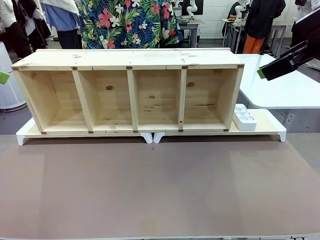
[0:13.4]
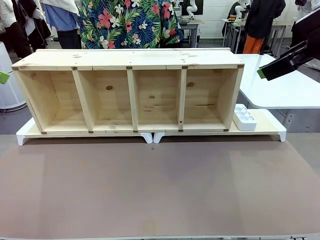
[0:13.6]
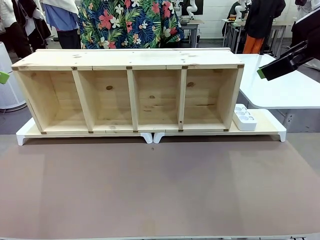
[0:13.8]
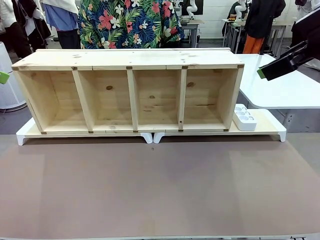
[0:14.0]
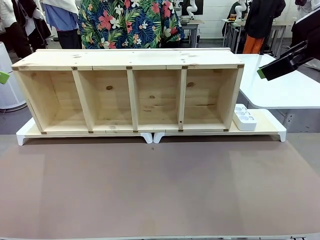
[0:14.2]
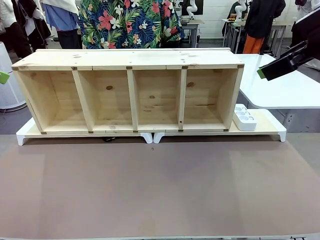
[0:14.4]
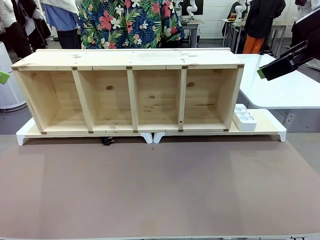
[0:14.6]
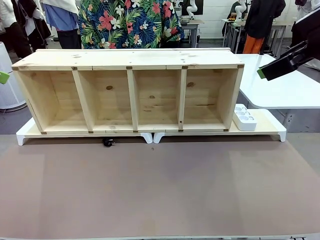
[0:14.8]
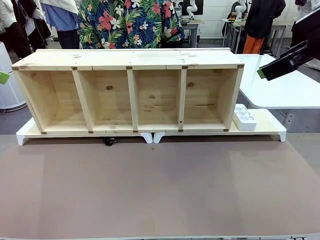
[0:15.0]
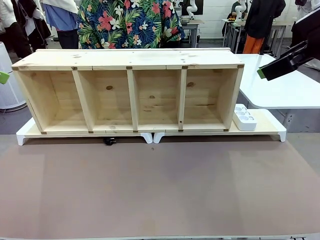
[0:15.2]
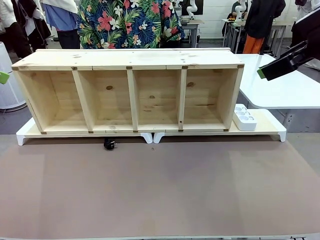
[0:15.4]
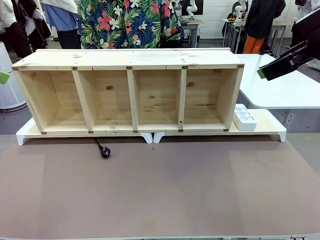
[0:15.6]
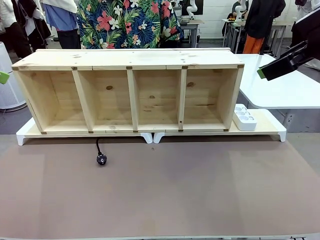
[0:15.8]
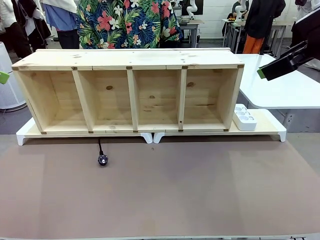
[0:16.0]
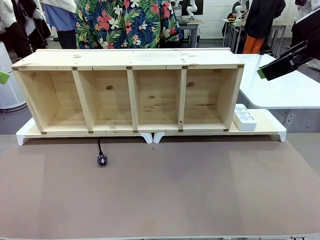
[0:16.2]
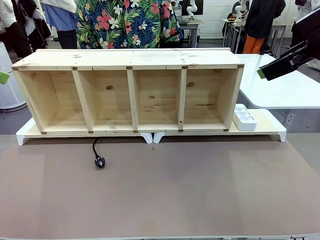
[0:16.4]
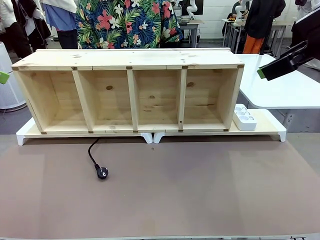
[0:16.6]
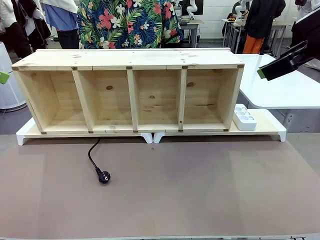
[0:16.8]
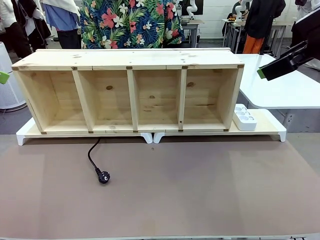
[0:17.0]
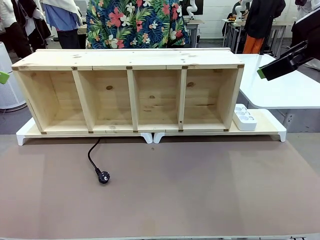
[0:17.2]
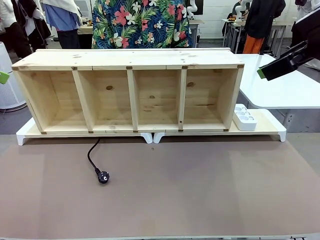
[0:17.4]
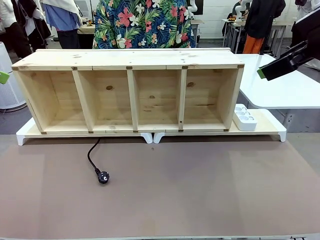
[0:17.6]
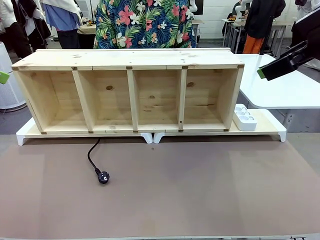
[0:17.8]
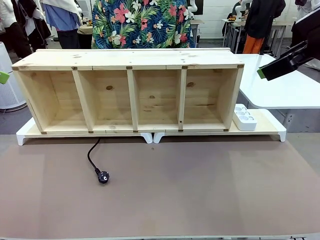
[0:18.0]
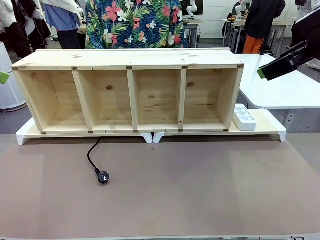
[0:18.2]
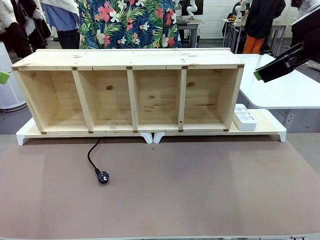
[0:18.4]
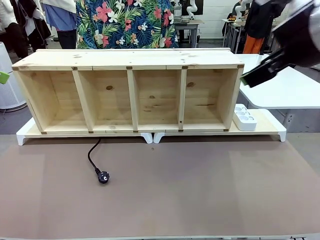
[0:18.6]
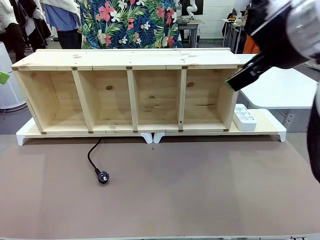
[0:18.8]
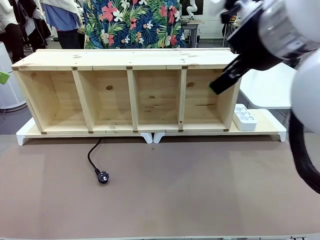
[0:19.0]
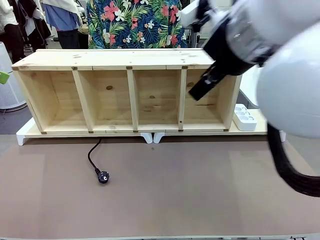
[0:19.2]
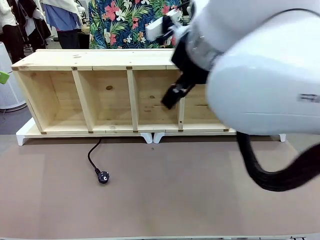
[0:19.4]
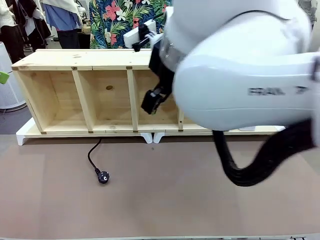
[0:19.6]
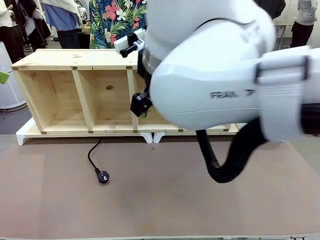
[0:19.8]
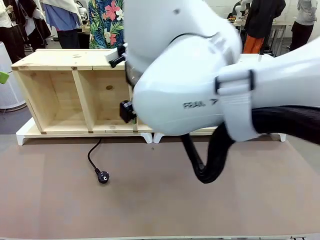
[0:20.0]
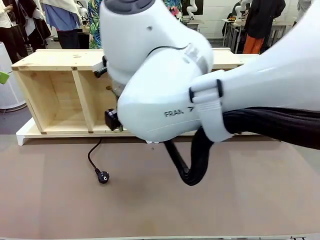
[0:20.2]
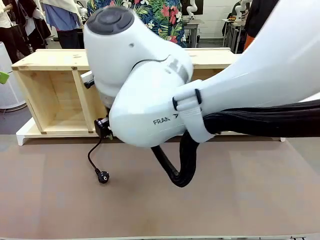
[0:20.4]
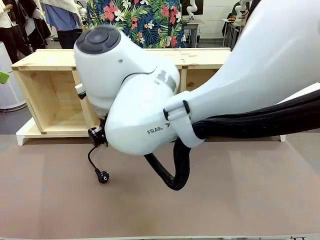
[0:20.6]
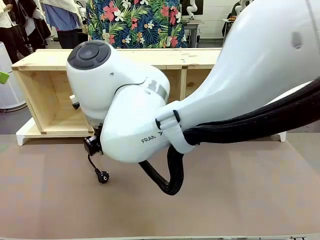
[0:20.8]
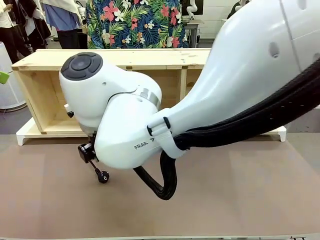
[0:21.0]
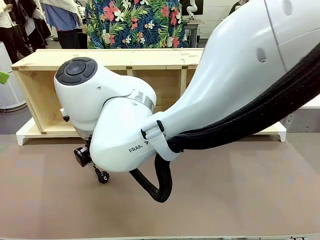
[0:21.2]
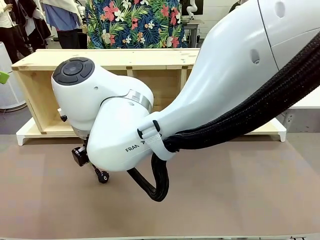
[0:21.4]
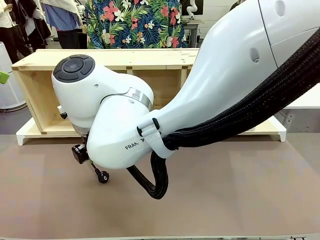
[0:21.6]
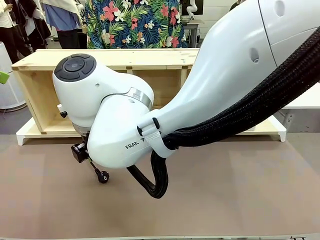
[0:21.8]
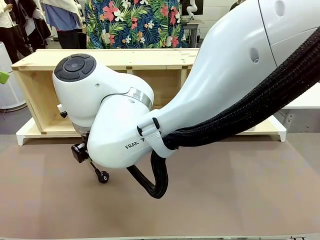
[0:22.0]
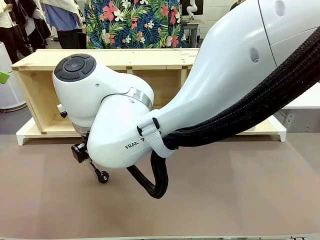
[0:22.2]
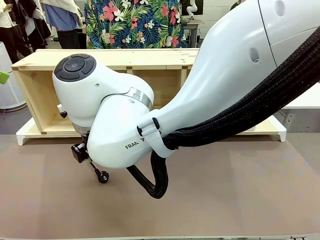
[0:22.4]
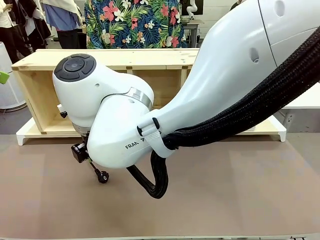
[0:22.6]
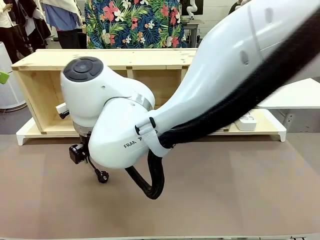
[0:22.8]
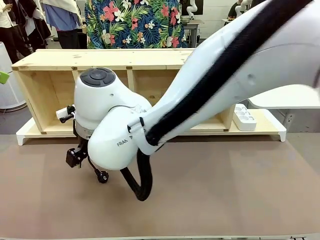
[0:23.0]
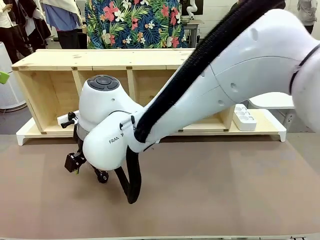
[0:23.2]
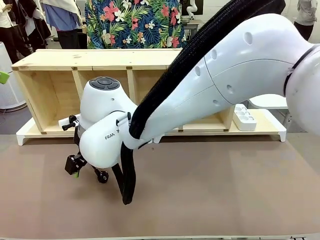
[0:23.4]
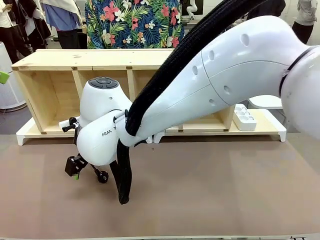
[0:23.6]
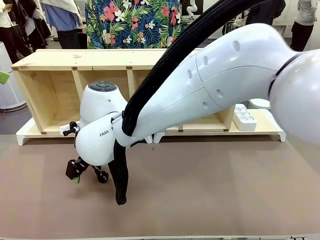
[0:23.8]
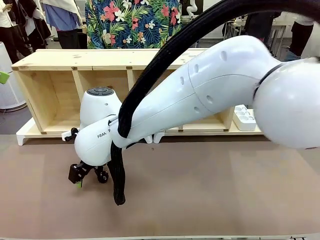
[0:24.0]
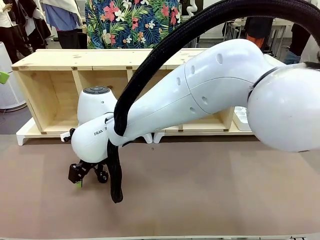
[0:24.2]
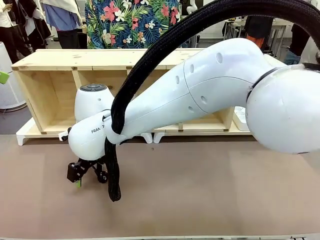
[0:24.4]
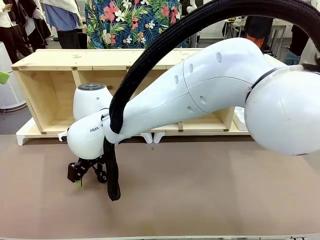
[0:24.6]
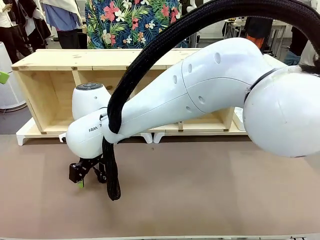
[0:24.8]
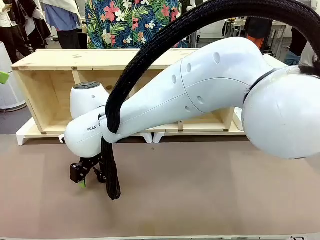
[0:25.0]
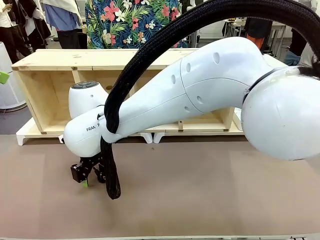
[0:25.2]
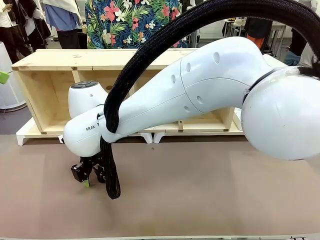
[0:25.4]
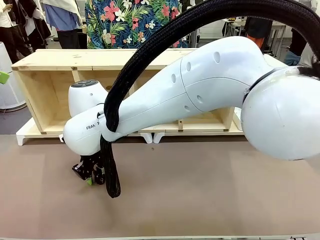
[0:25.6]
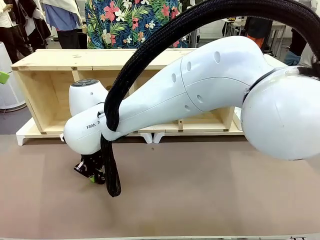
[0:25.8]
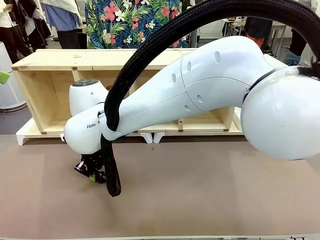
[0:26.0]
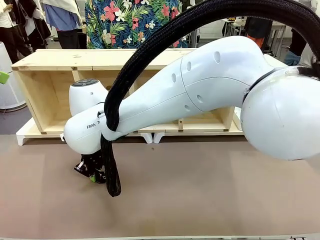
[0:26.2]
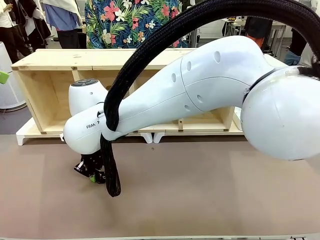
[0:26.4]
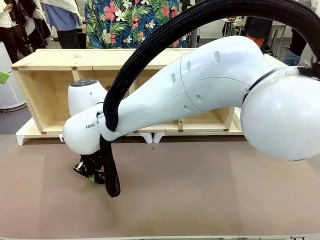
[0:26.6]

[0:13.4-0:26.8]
Task: Perform cable management.
Robot: When the cord part of the Power Cable appears at the lower middle area of the table and stops, grasp the cord part of the Power Cable.

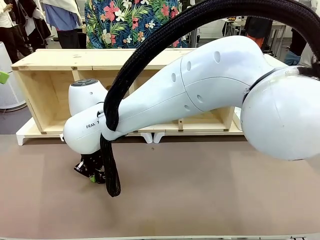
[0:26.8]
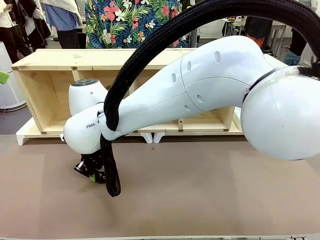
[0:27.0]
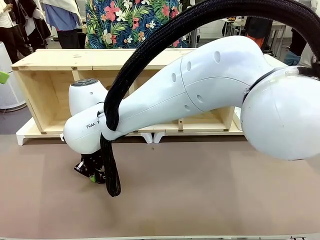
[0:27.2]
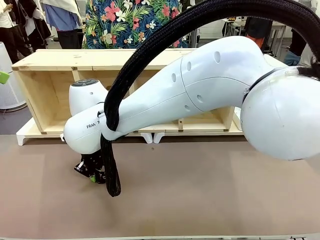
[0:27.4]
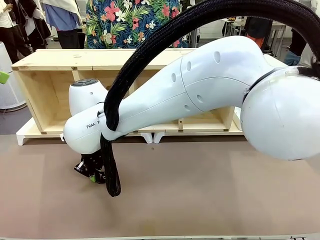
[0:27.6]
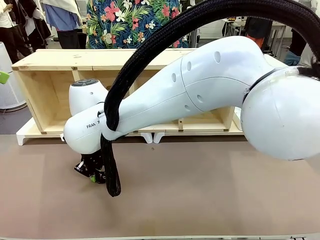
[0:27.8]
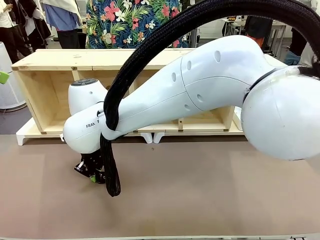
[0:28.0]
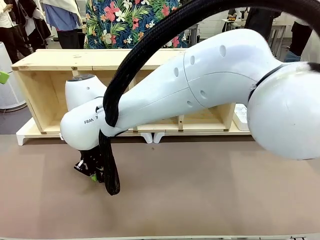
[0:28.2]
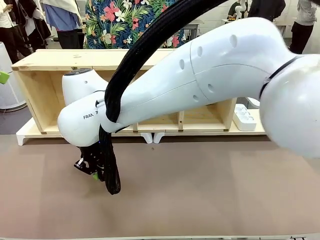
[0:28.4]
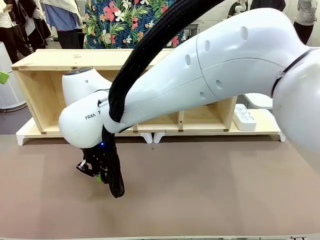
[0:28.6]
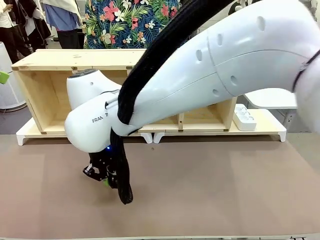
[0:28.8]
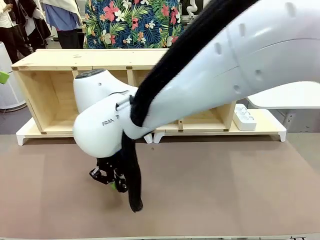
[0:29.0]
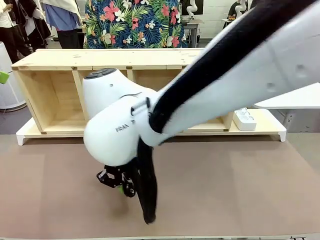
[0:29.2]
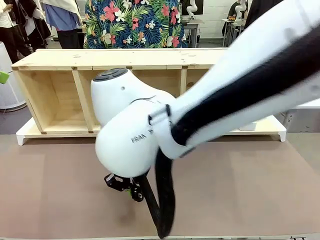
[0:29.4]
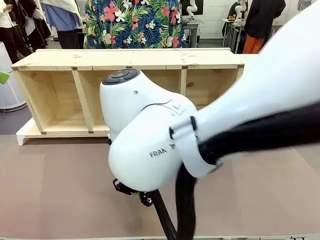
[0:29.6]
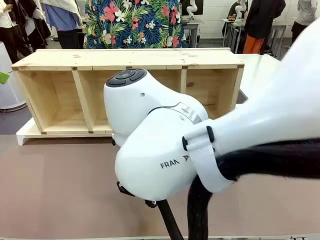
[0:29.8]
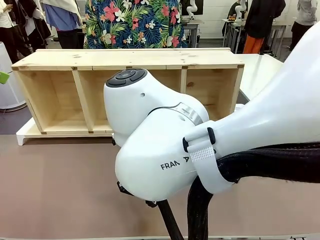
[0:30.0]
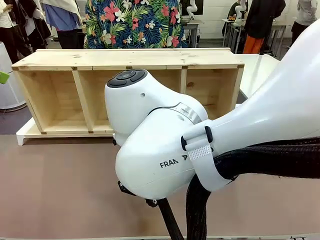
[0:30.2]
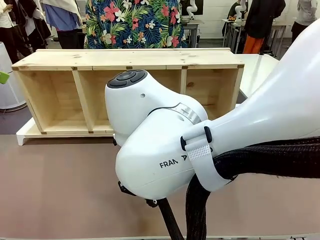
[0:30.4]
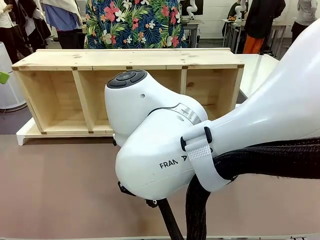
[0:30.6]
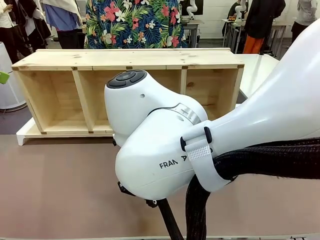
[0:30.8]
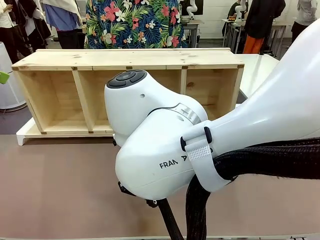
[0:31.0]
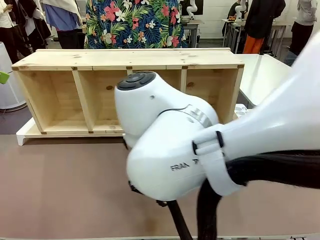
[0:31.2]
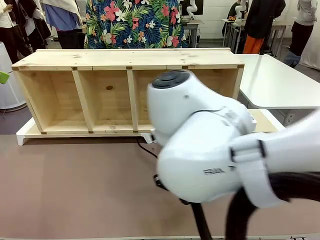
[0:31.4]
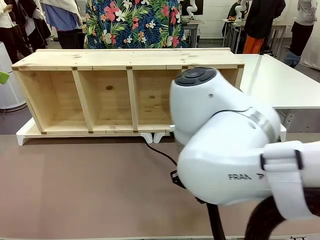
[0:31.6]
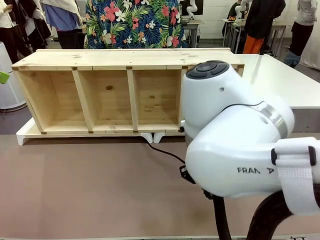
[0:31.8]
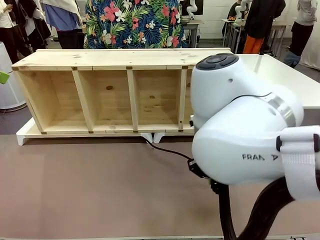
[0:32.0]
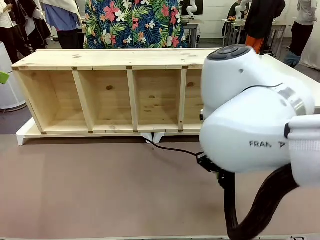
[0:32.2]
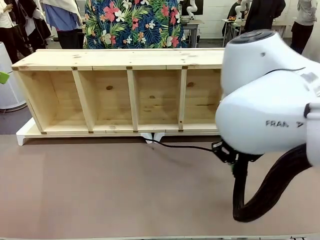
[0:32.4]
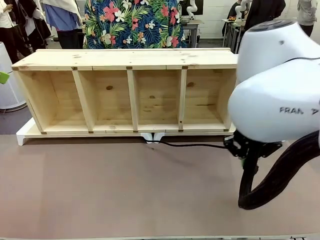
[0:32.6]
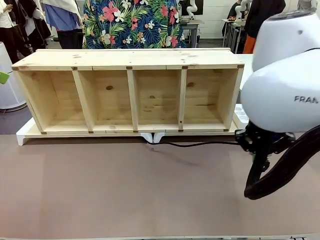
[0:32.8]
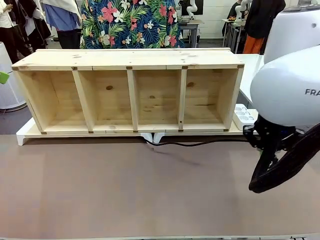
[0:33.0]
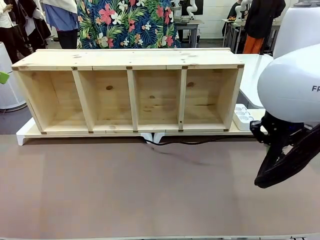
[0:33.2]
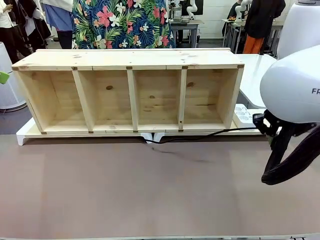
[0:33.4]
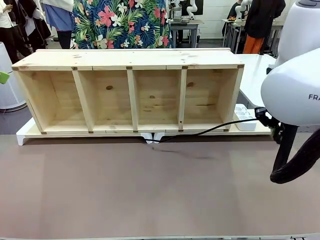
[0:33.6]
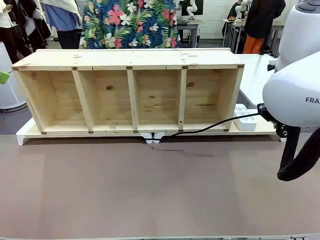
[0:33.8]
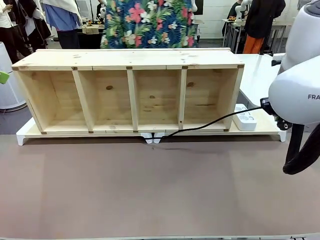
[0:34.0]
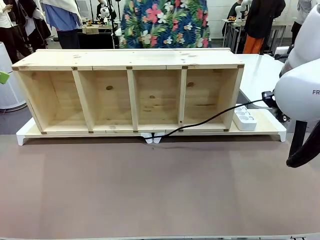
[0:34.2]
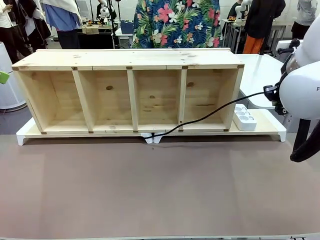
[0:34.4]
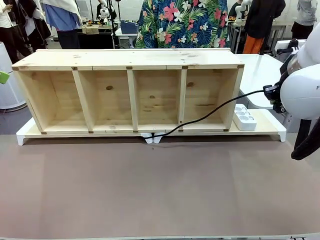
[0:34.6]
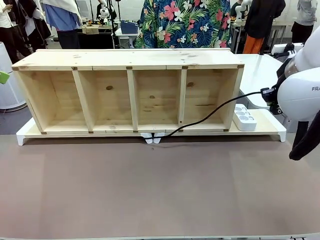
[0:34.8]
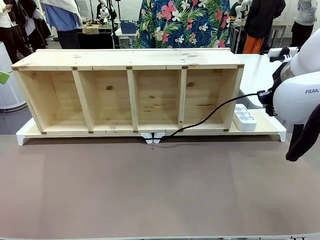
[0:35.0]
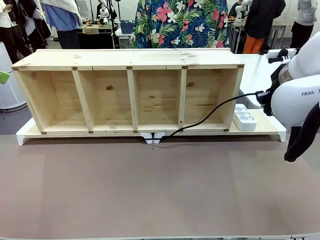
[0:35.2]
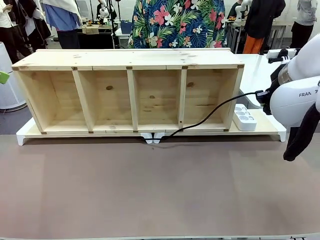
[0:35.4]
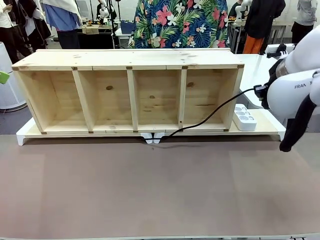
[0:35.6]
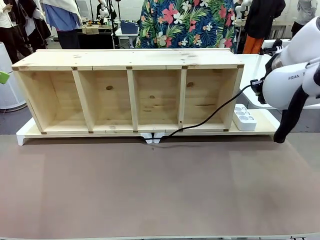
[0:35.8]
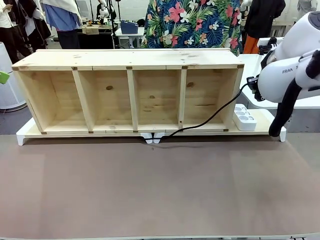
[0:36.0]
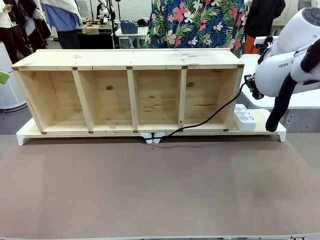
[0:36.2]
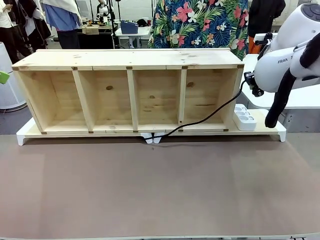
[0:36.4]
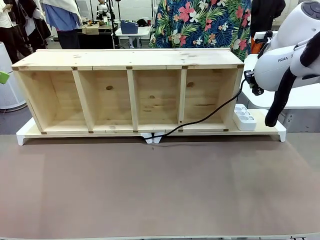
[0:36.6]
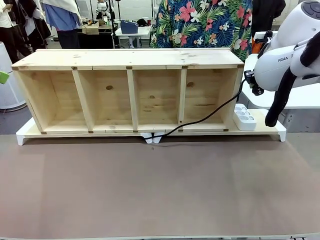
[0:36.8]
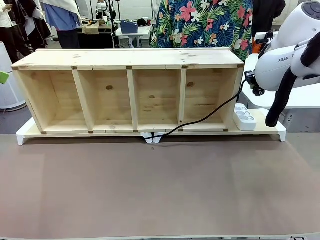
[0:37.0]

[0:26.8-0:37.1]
Robot: Pull the grasped Power Cable to the location of the Power Strip.
